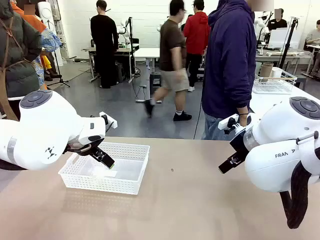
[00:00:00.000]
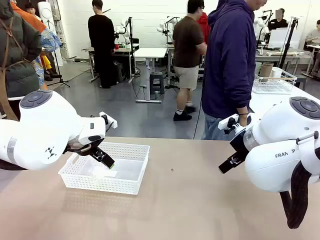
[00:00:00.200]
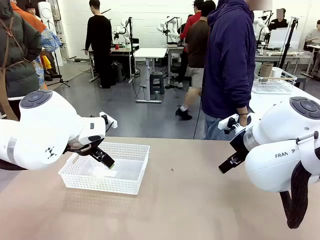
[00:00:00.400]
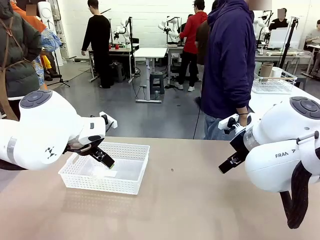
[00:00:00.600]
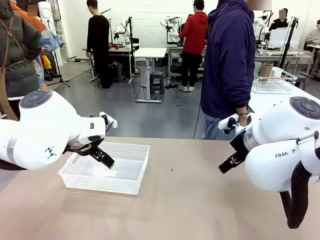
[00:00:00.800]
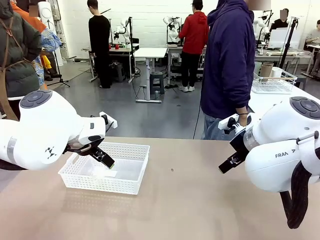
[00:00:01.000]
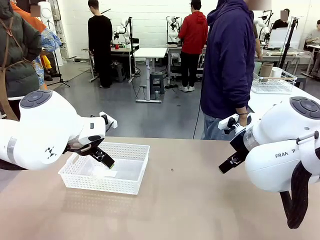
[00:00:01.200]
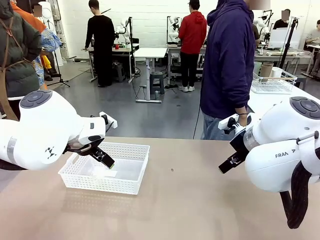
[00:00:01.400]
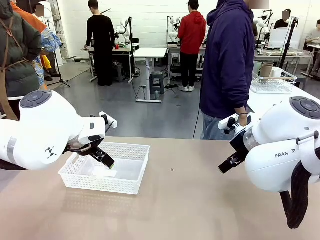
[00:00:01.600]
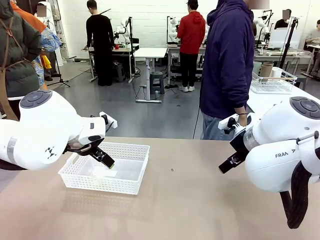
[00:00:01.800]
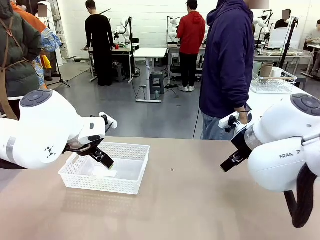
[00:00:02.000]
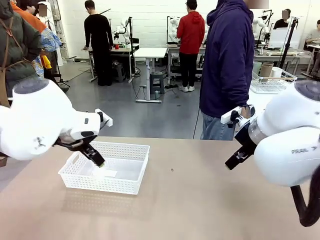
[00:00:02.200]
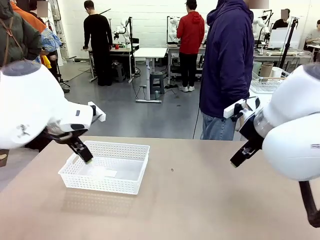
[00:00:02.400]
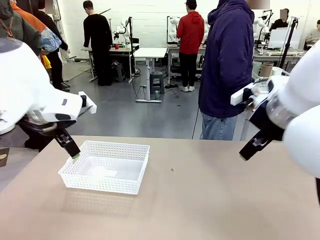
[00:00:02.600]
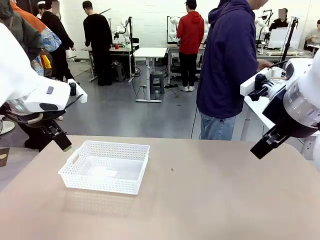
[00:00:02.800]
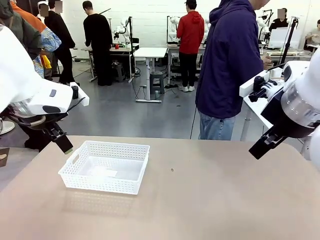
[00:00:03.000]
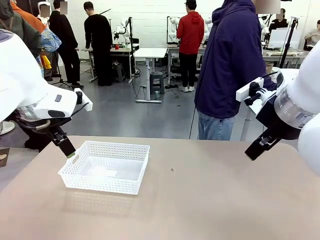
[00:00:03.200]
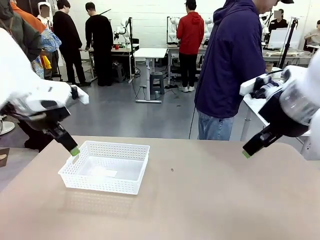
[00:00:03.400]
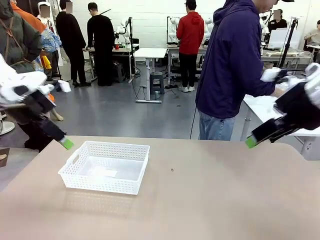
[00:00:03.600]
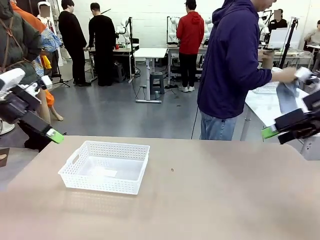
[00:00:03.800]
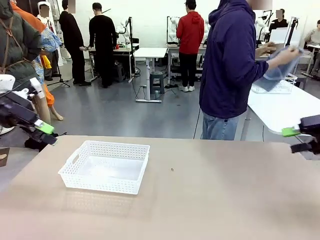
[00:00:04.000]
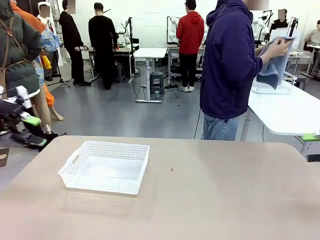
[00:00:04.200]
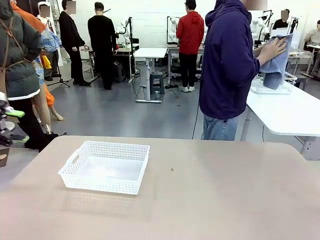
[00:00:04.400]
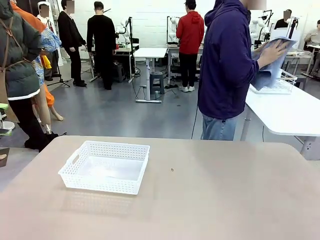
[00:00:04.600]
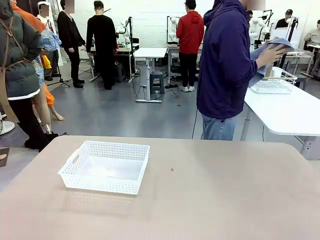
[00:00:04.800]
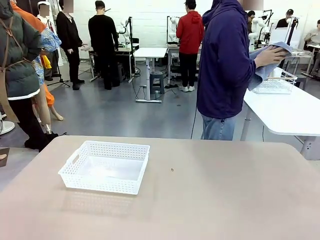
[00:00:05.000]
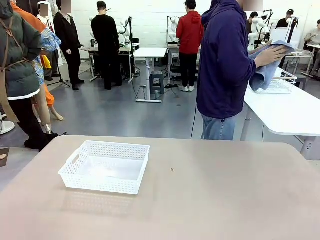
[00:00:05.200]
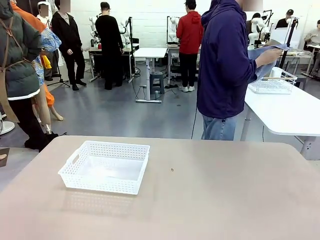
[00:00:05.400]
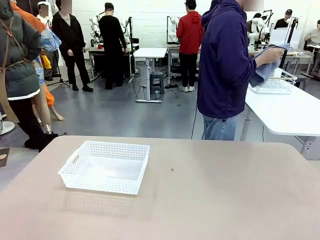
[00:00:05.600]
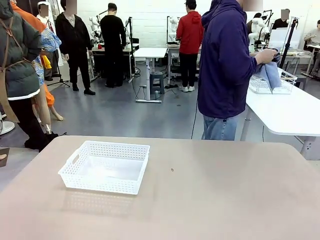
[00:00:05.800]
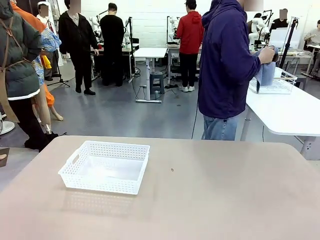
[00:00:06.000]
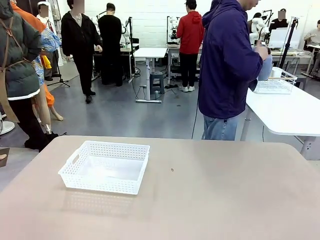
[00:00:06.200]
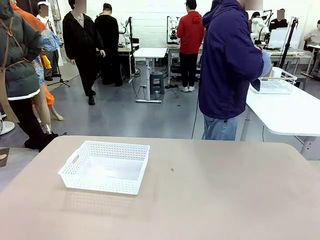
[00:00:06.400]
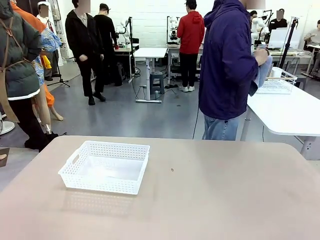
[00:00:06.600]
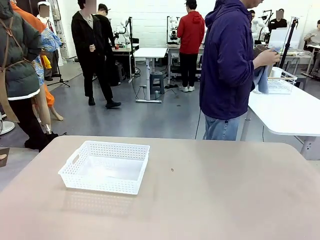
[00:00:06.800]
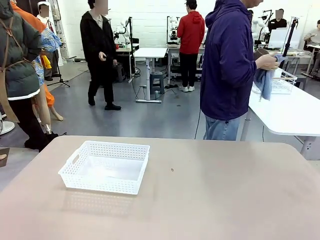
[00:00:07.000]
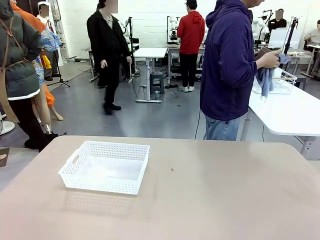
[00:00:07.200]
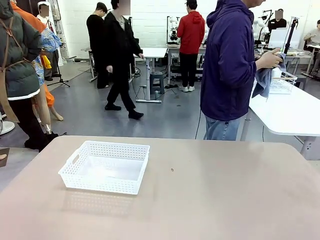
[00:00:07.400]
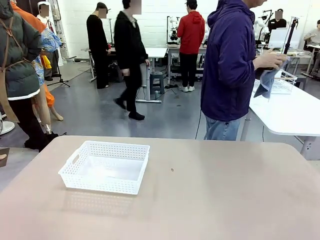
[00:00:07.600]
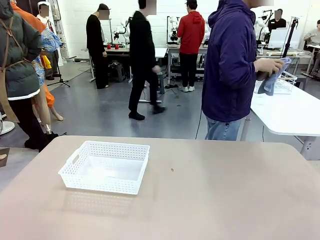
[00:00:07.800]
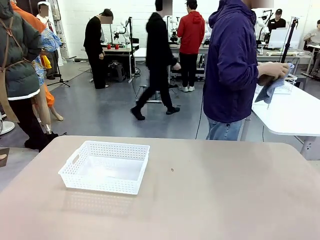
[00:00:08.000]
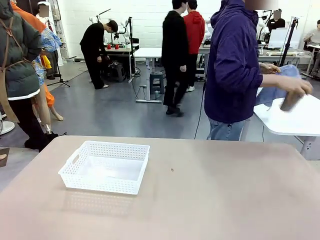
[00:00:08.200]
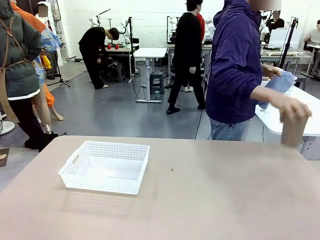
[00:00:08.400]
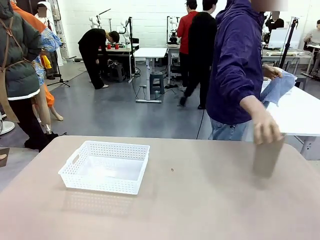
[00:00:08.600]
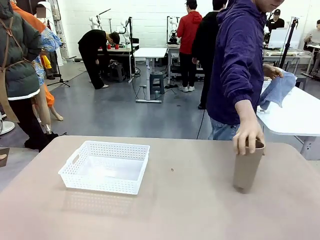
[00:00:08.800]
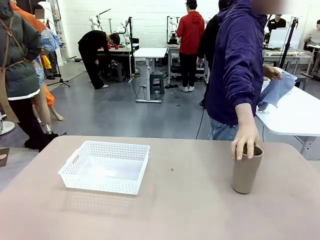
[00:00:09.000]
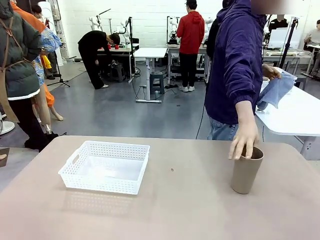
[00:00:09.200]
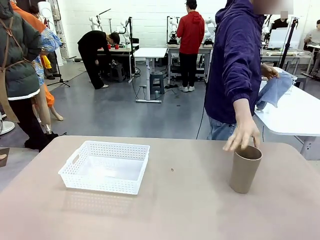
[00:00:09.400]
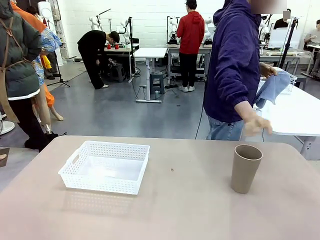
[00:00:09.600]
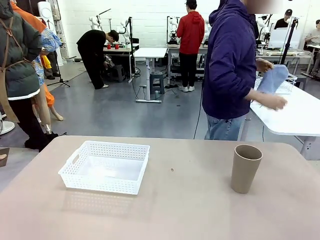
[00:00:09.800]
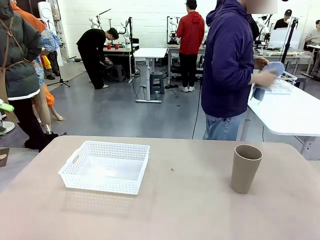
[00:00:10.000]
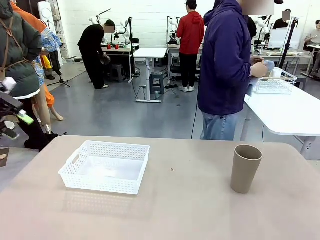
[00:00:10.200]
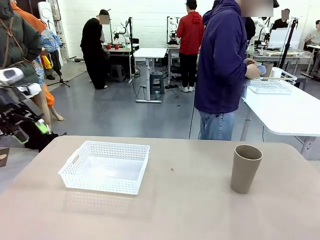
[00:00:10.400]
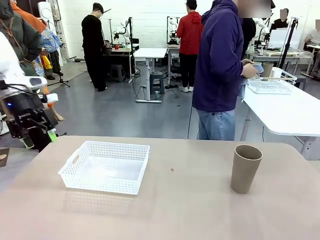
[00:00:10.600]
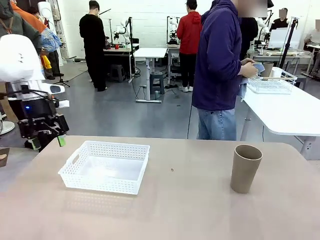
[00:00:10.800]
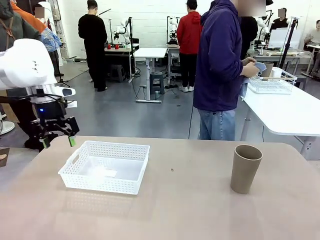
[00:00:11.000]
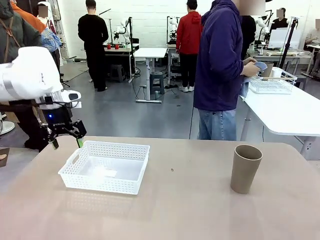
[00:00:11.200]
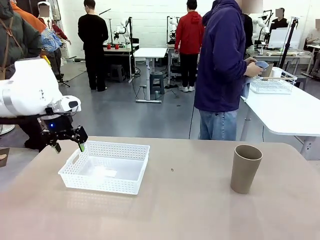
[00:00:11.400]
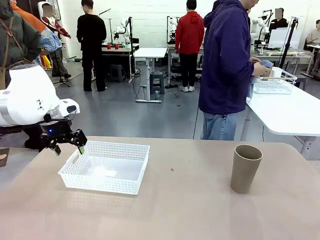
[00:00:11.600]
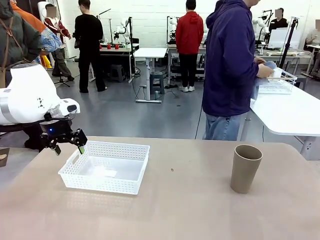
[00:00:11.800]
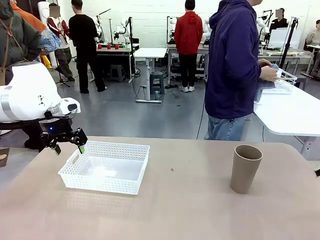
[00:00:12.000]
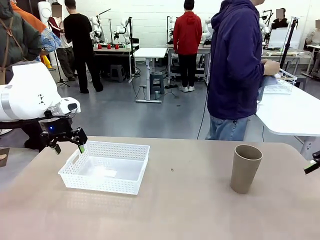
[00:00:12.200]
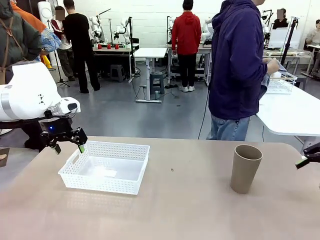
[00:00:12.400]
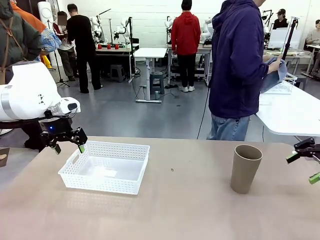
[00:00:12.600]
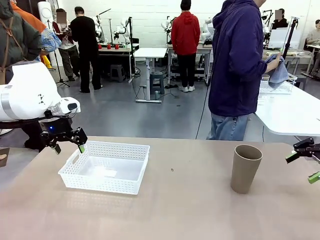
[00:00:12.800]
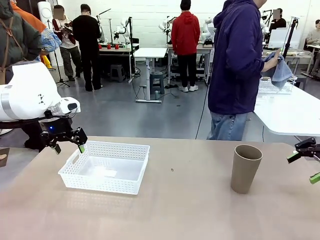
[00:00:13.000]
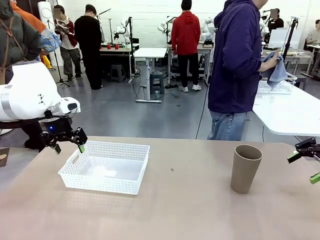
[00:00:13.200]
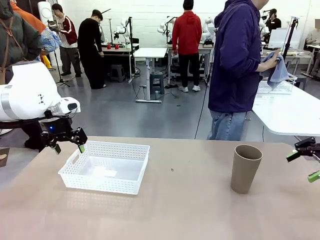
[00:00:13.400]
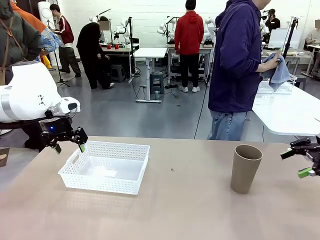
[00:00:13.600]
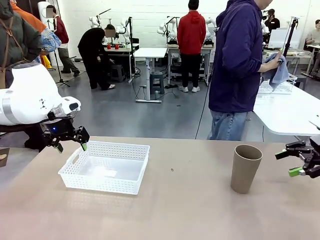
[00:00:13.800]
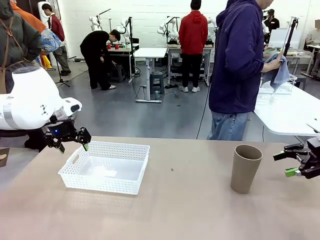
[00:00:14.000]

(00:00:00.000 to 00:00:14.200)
Task: Clean and organize the cups into the basket.
Robot: Pick up the Organizing basket and move it to the center of the table, then pick up the Reusable plastic cup from the right side of the table and place it inside the Organizing basket.
Person: Picks up a cup and a towel, cleans the cup with the towel, and places it on the left side of the robot table.
